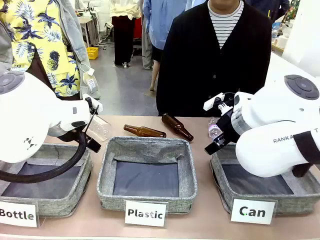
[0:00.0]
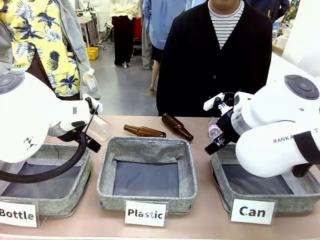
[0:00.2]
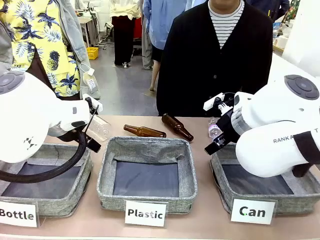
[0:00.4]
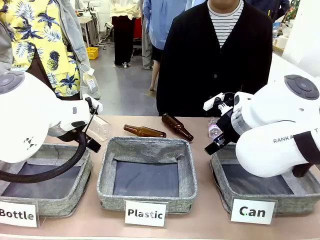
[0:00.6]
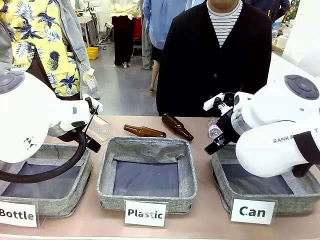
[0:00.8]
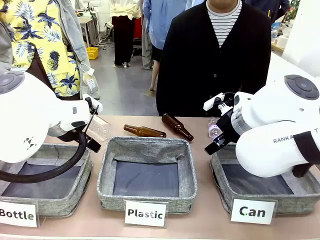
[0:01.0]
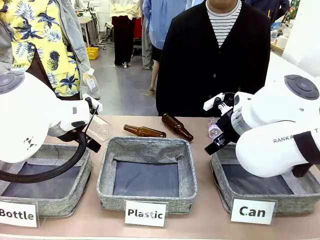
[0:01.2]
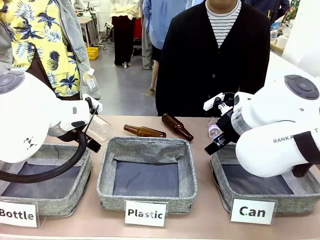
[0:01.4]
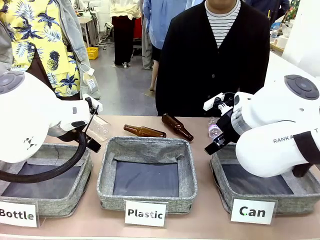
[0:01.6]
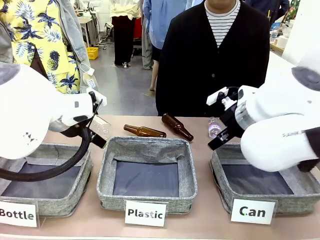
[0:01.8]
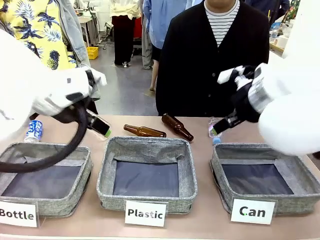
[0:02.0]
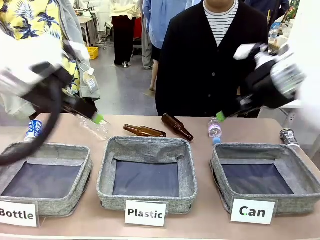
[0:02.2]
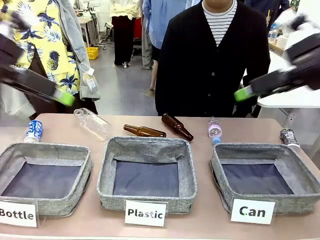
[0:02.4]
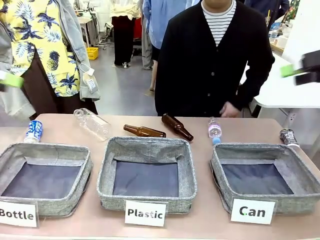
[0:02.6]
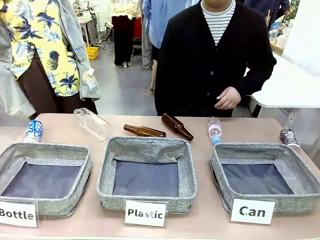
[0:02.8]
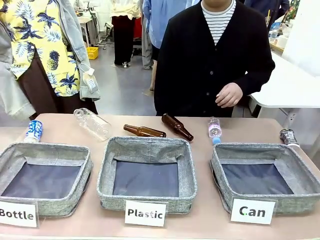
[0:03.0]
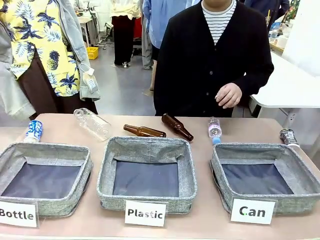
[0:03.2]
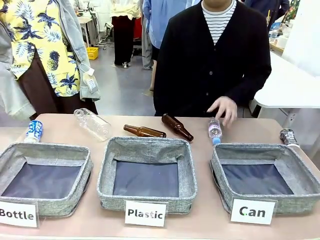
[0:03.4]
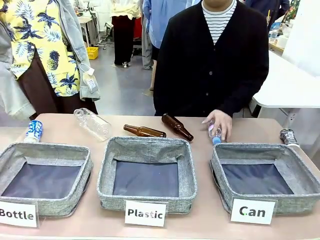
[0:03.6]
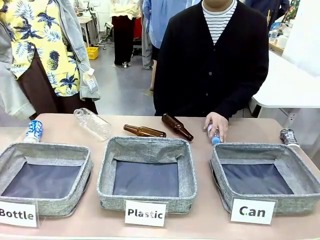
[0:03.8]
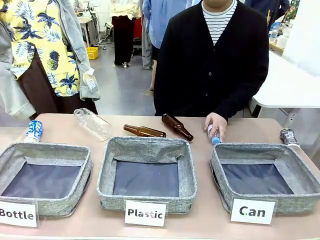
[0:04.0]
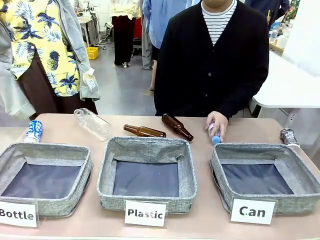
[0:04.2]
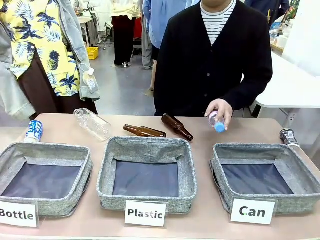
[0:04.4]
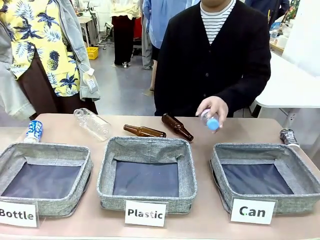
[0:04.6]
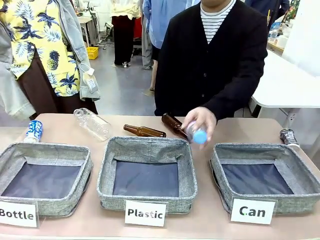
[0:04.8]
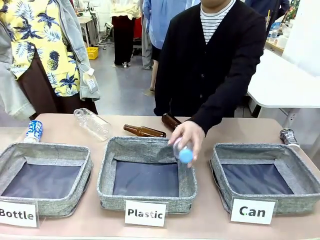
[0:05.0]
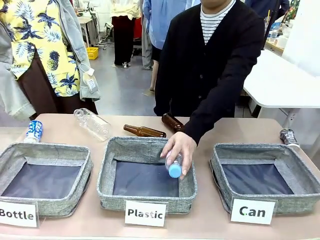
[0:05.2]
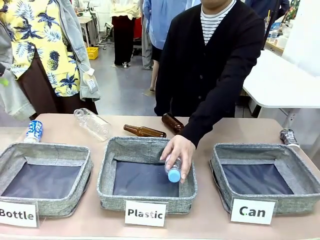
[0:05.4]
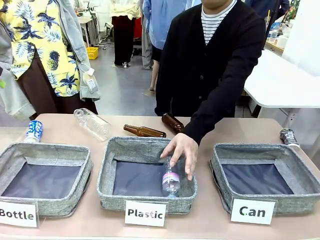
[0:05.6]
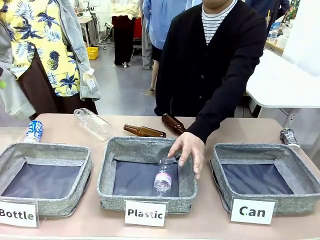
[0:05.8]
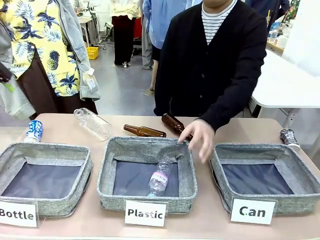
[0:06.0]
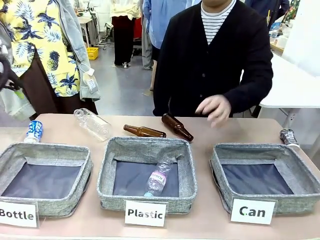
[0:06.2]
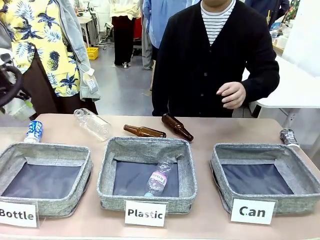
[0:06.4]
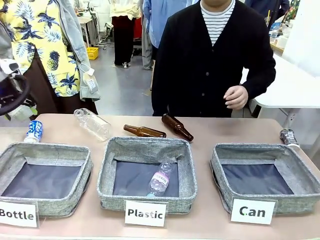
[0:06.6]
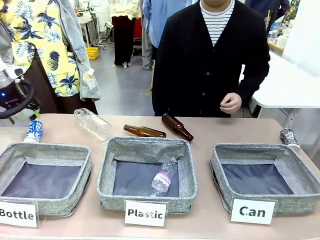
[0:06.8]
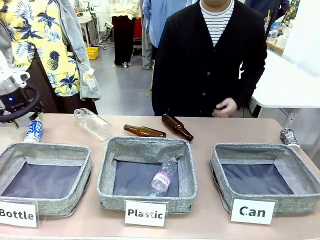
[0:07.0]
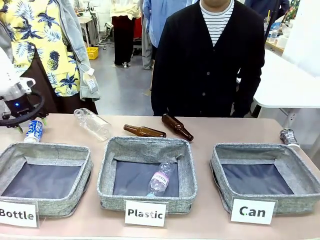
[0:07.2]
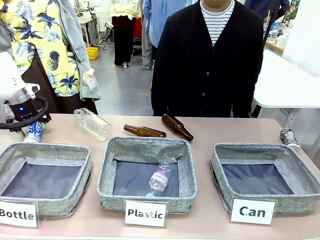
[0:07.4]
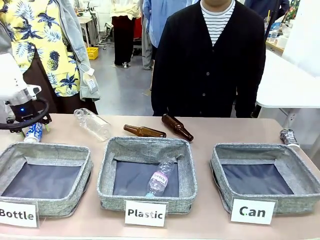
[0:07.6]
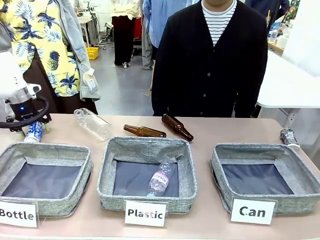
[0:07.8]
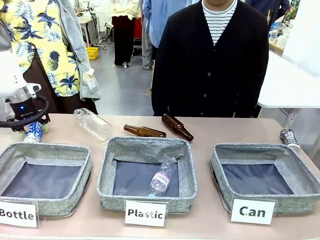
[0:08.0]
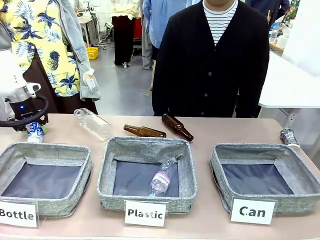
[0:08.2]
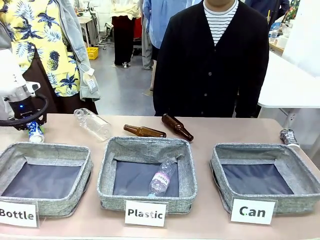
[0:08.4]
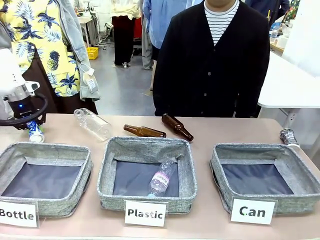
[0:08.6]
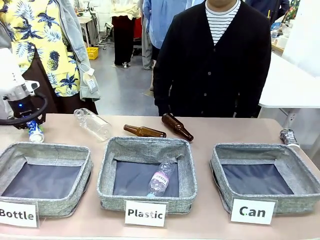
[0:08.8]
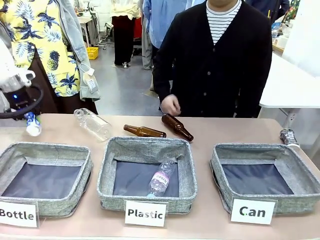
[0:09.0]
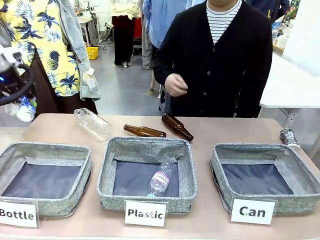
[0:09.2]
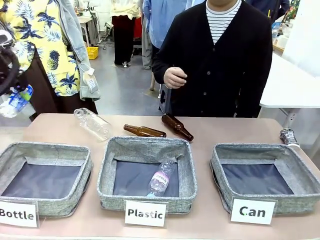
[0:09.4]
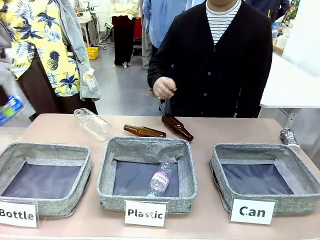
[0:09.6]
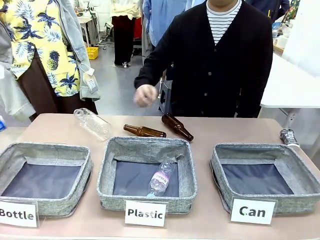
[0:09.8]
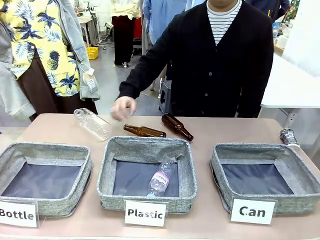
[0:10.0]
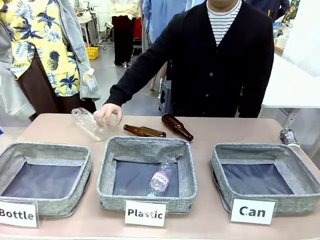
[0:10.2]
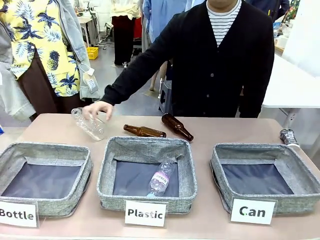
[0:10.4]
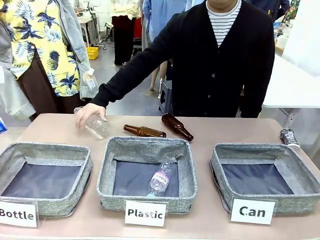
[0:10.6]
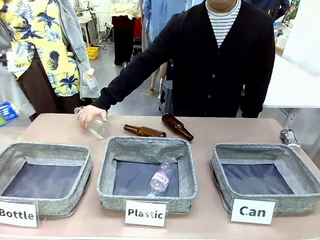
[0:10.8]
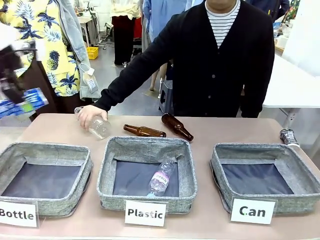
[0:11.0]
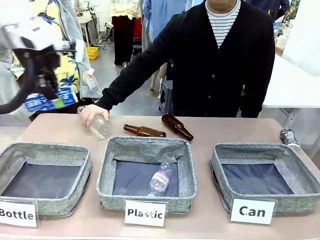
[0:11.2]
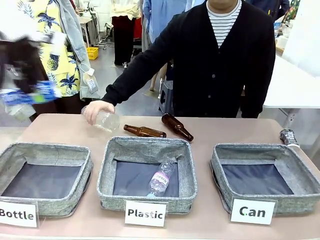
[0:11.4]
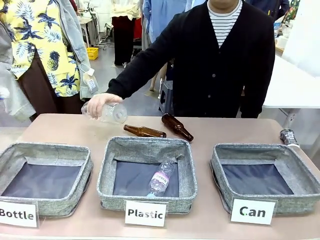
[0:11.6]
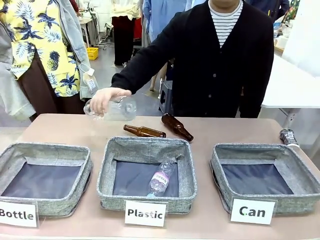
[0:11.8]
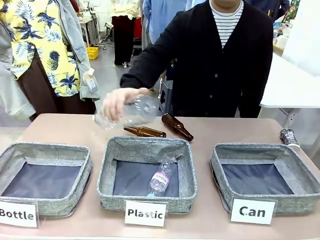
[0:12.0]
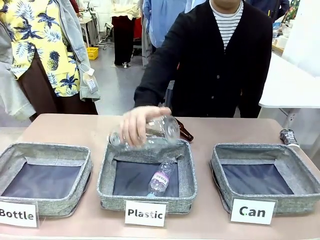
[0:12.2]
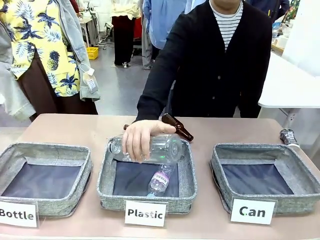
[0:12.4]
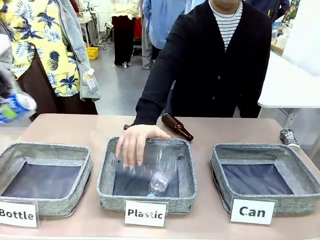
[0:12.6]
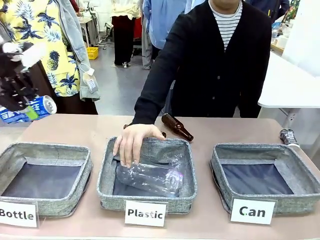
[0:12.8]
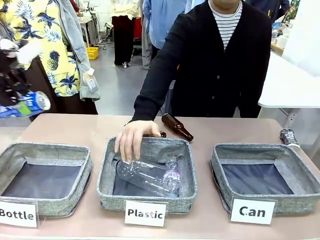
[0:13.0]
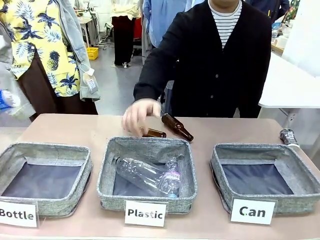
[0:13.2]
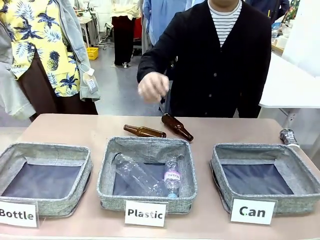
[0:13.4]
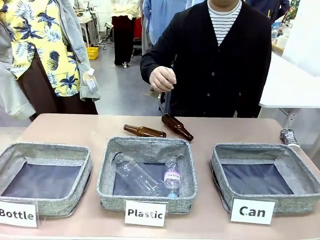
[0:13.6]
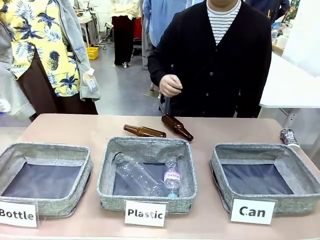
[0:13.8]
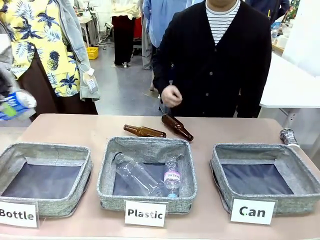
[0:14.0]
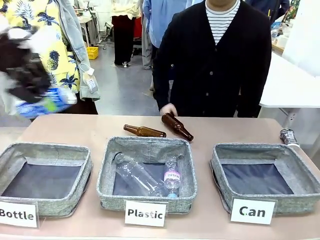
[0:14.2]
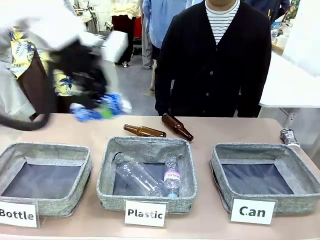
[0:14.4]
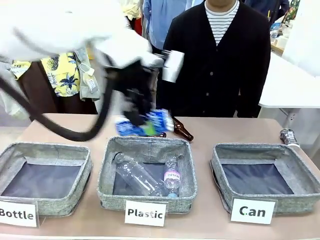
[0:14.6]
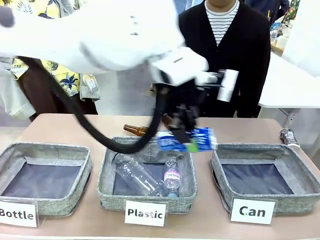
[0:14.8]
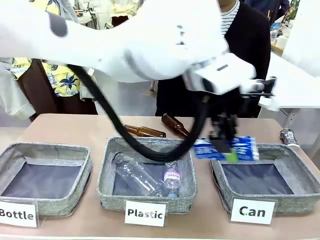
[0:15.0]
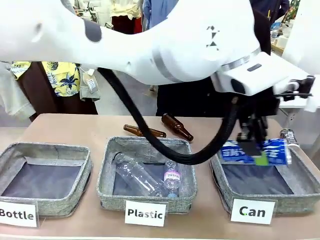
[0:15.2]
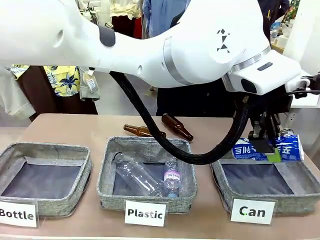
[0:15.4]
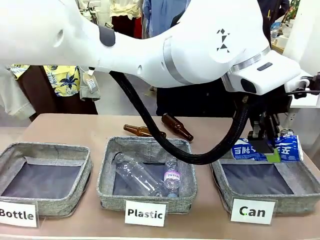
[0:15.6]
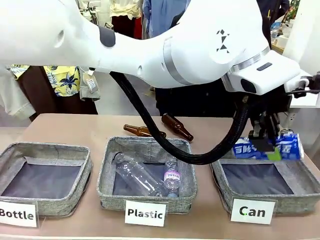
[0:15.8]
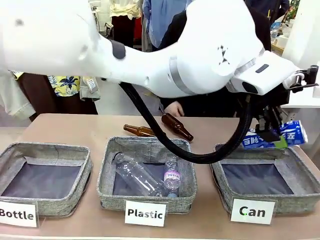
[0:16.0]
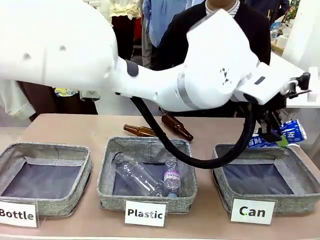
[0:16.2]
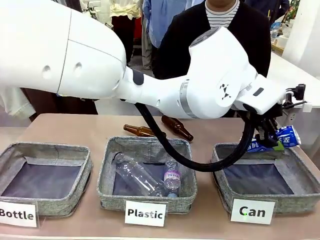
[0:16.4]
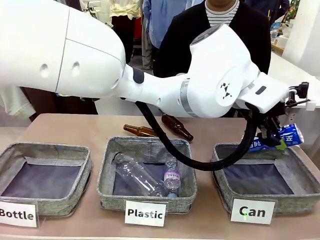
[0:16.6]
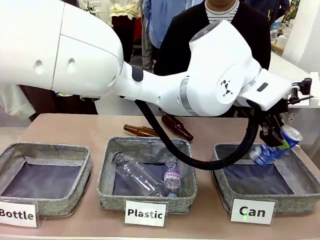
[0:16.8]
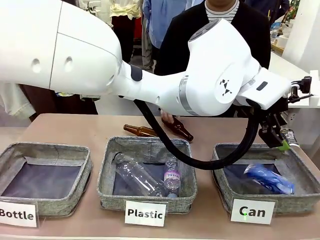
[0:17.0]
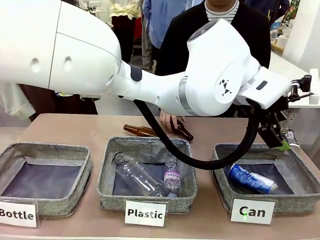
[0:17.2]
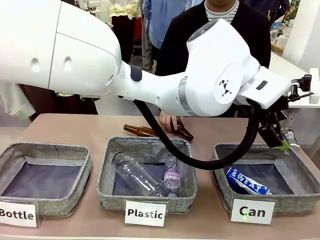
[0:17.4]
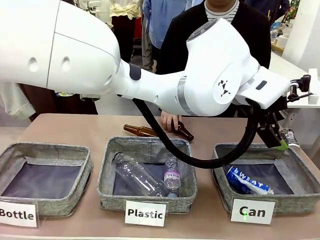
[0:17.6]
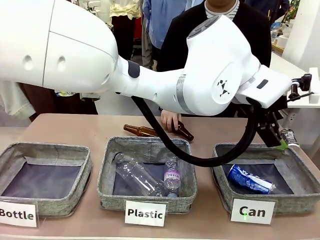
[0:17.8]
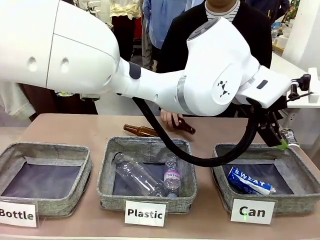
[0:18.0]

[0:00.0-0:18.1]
Task: Sort the can waste into the basket.
Robot: Pick up the can waste from the table and place it in the right Fabric basket.
